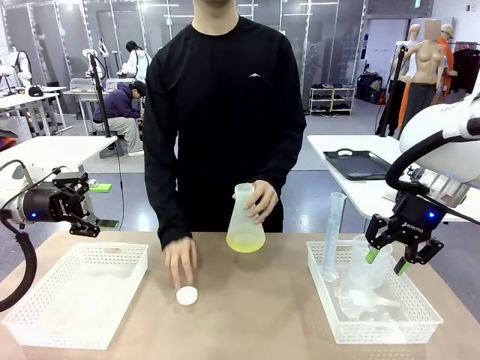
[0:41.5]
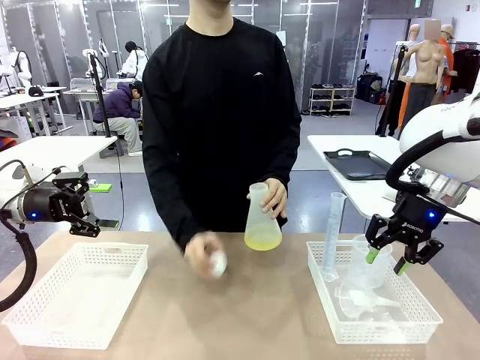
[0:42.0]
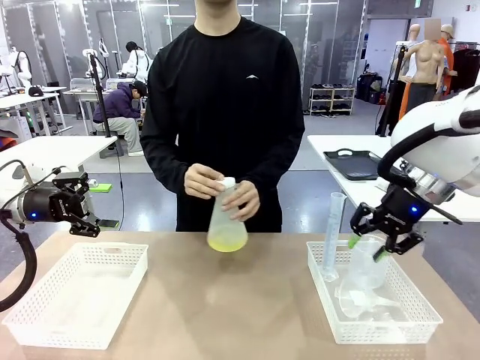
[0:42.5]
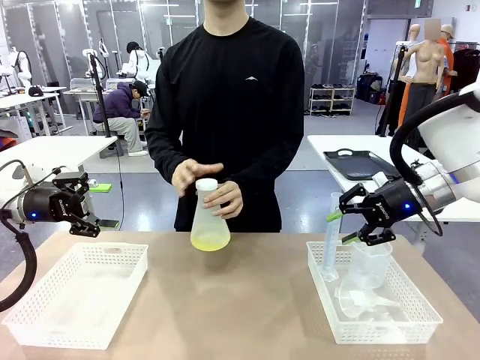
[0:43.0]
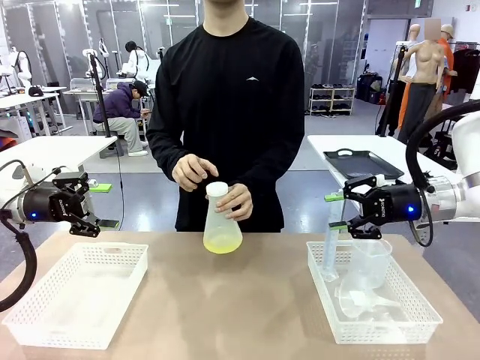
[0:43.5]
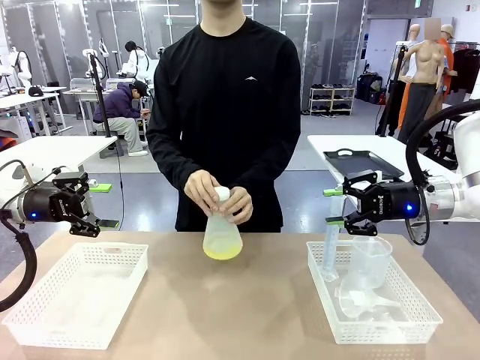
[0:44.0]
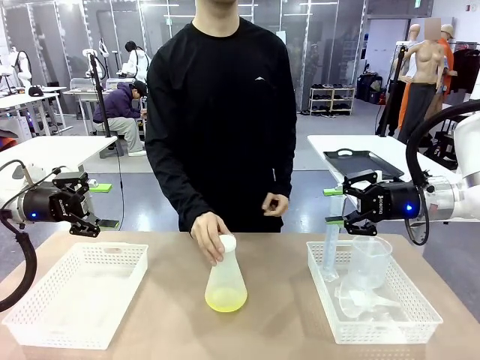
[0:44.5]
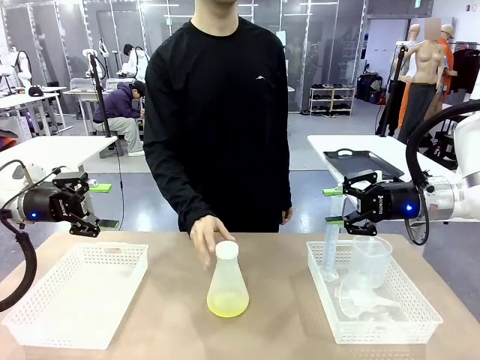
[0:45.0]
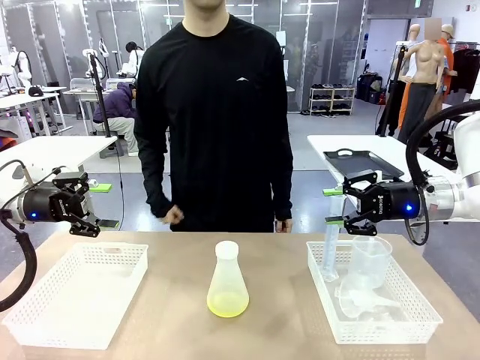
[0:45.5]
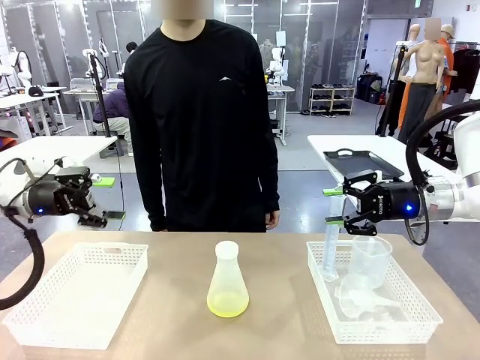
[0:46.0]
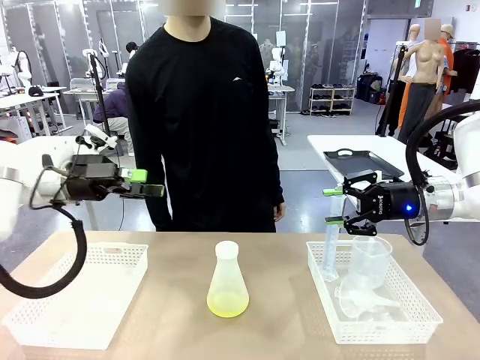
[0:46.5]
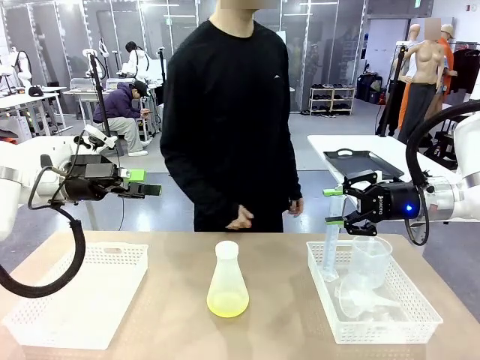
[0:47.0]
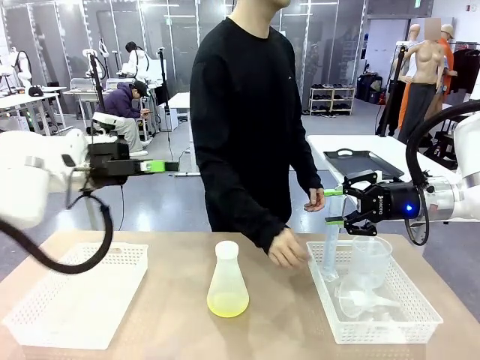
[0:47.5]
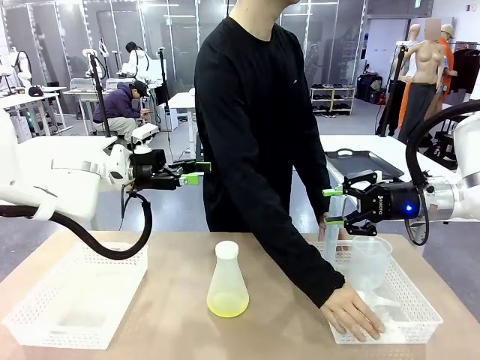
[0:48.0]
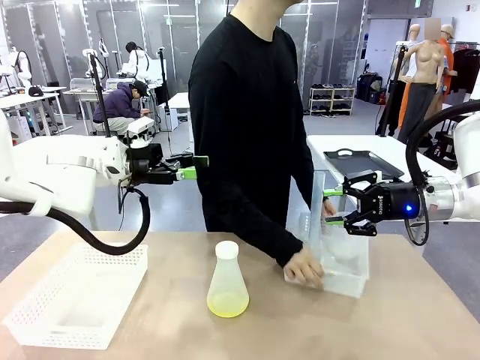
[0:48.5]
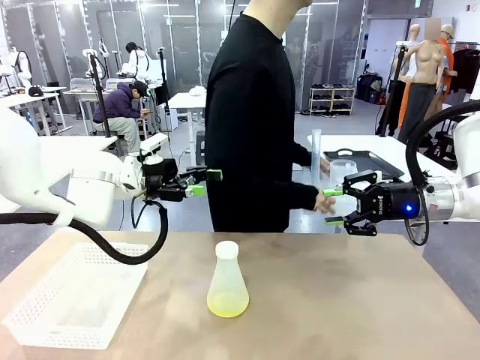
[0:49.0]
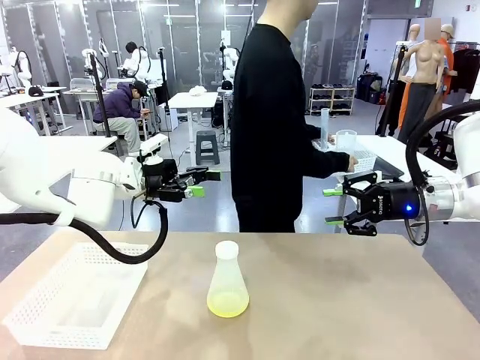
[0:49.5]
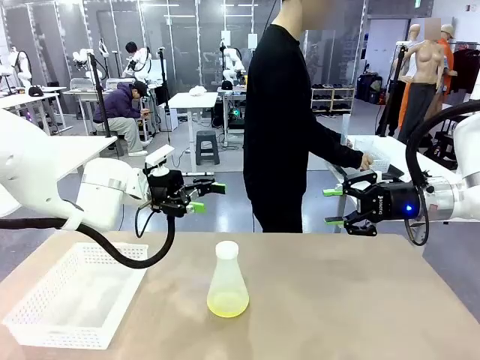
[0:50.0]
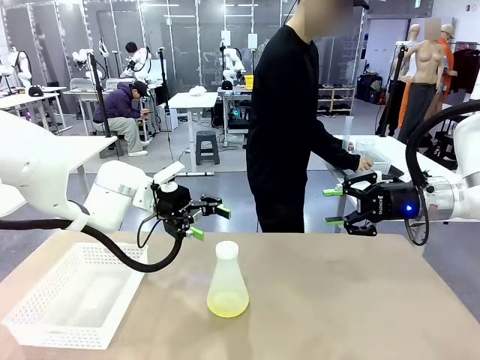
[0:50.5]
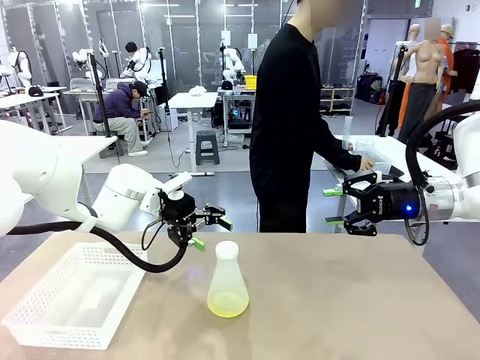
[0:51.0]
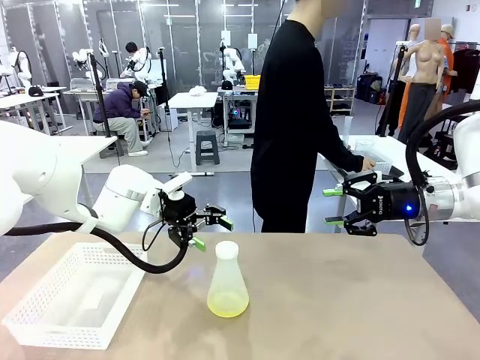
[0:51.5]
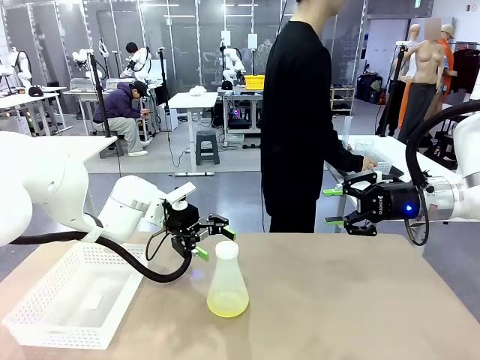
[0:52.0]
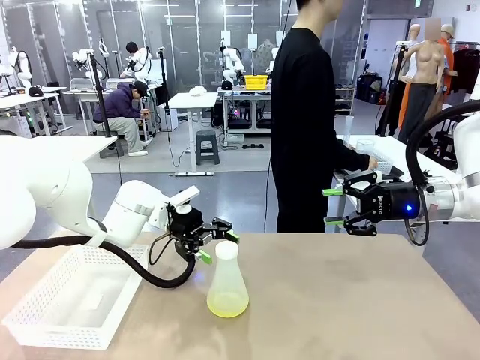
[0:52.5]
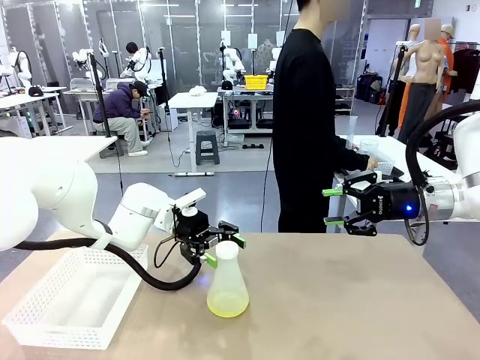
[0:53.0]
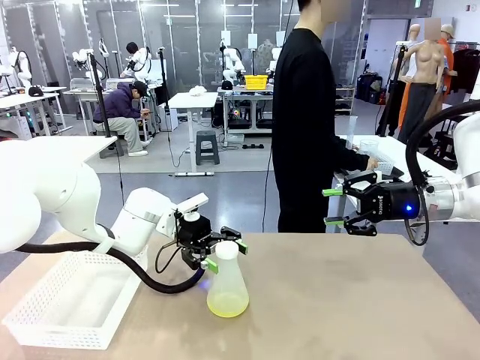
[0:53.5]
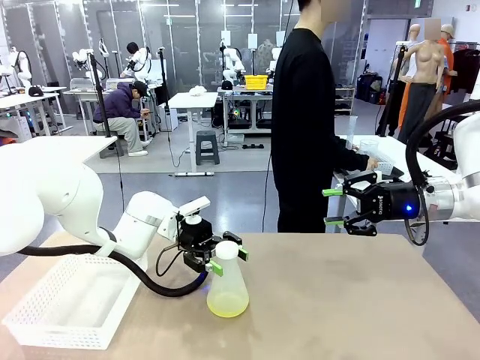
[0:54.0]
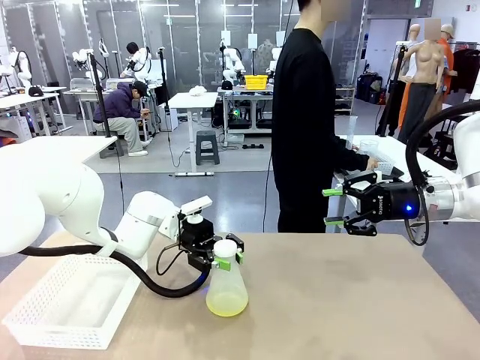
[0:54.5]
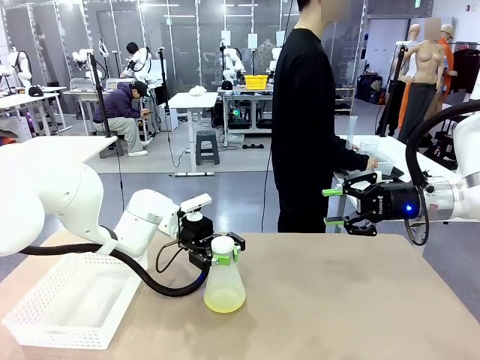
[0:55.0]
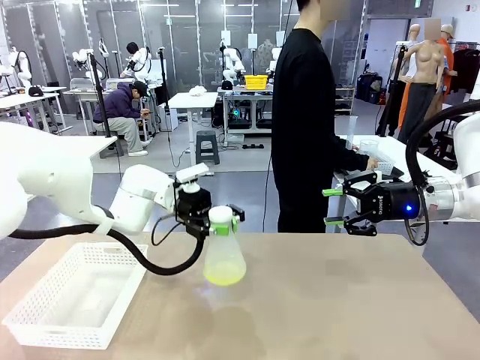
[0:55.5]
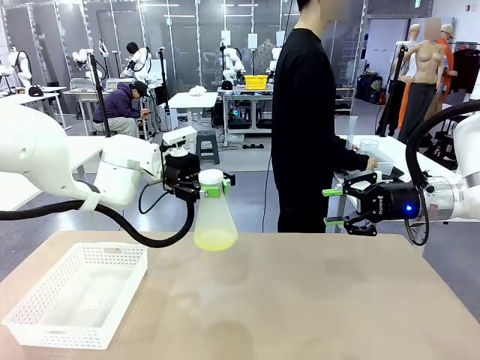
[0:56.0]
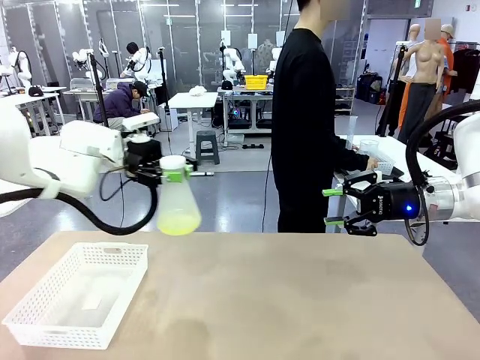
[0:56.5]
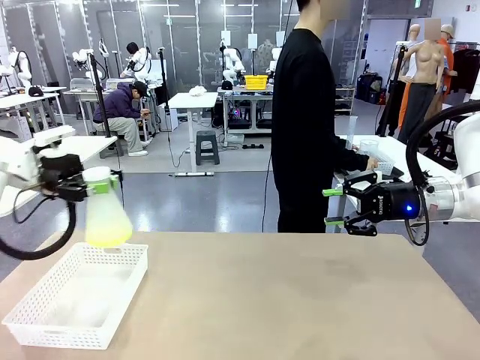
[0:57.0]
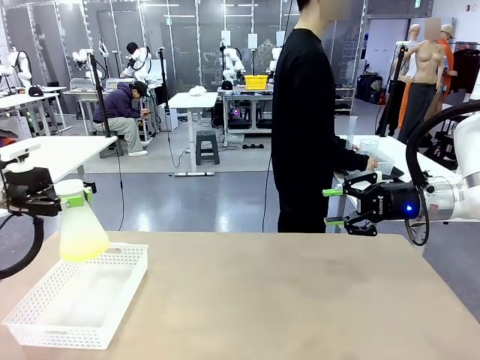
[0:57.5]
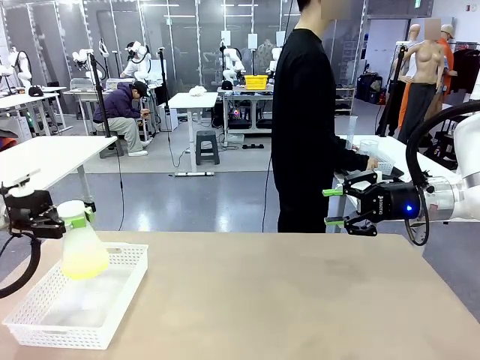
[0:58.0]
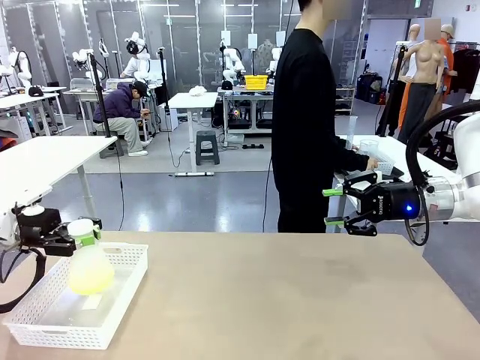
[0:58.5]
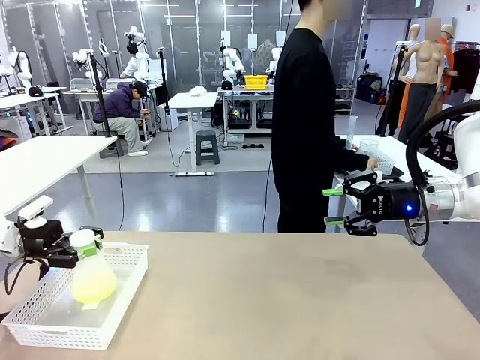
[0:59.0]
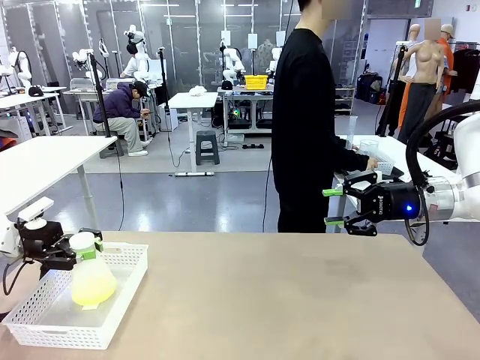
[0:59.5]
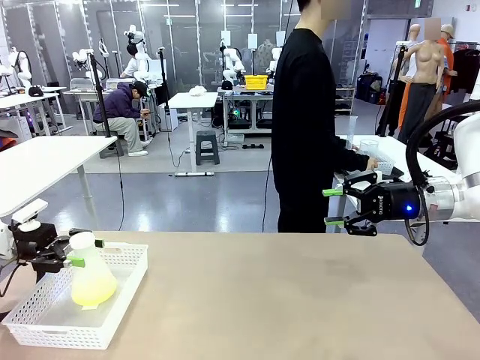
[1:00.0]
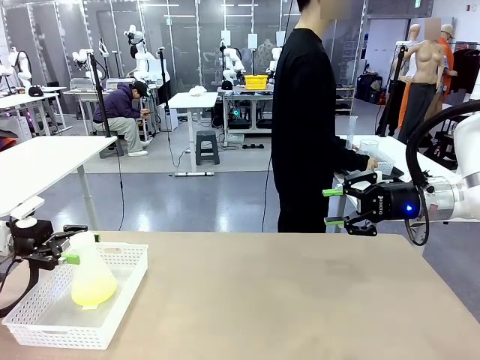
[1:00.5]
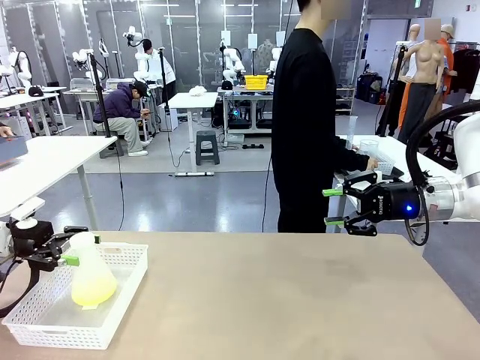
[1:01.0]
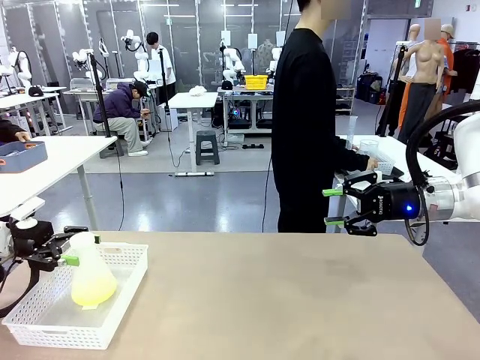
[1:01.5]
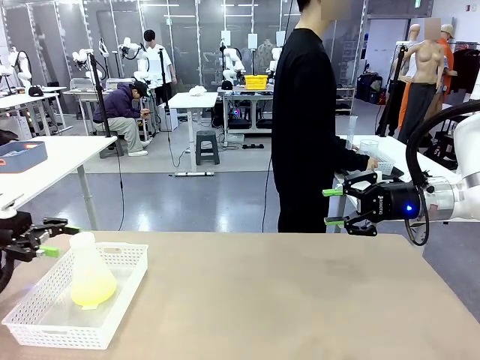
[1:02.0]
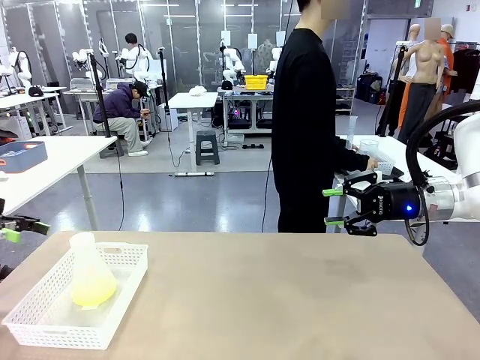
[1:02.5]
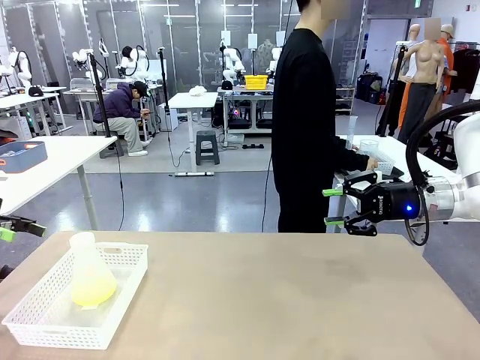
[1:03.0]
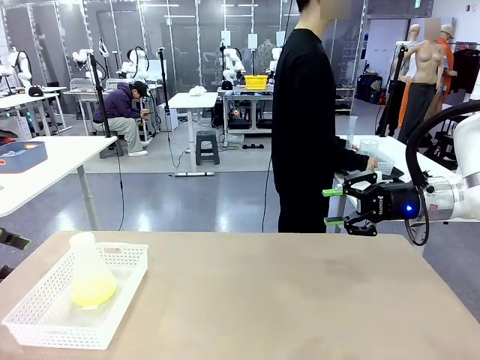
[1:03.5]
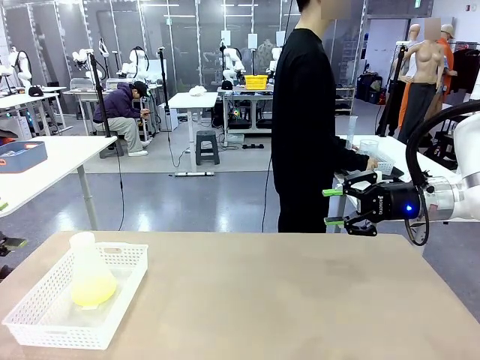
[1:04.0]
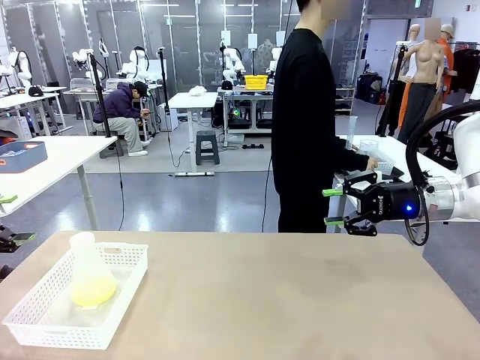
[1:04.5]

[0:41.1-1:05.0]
Task: Prepare the solutions needed for the experiment.
Robot: When the human places the Big flask in the center of the table, pick up the Big flask and place it in the left Organizing basket.
Person: Pick up the organizing basket on the left side of the robot table and place it on the left side of the human table.

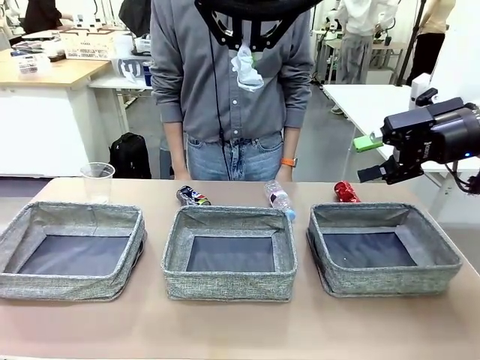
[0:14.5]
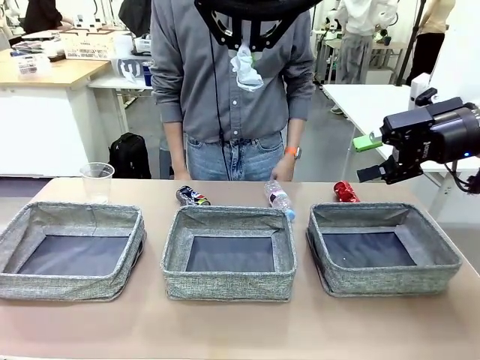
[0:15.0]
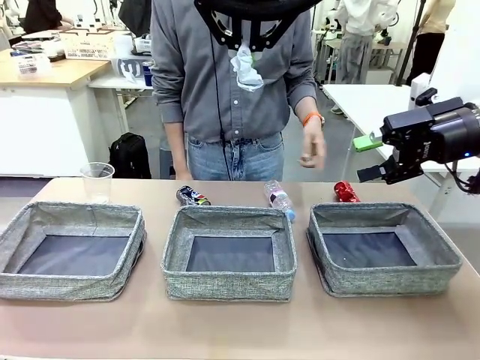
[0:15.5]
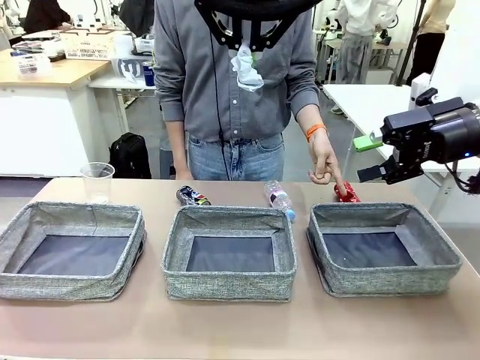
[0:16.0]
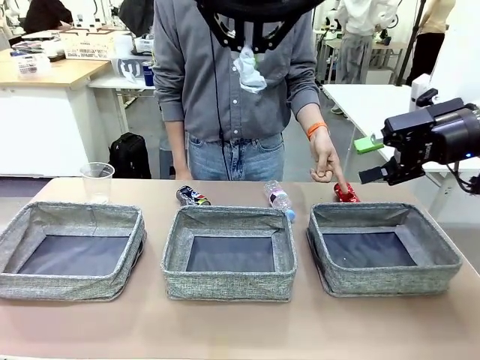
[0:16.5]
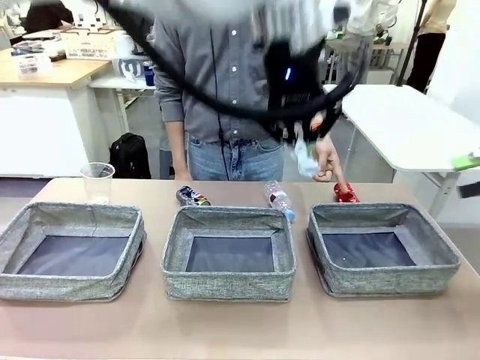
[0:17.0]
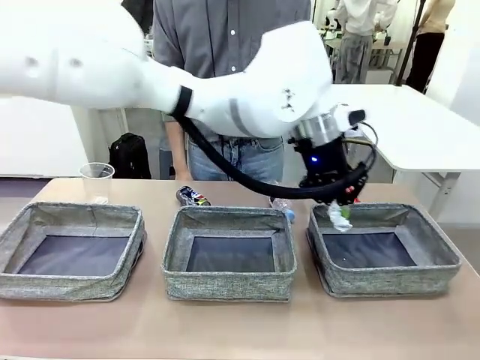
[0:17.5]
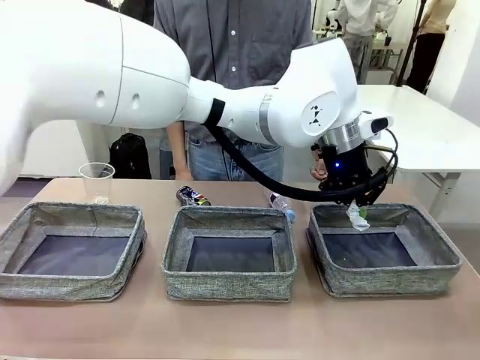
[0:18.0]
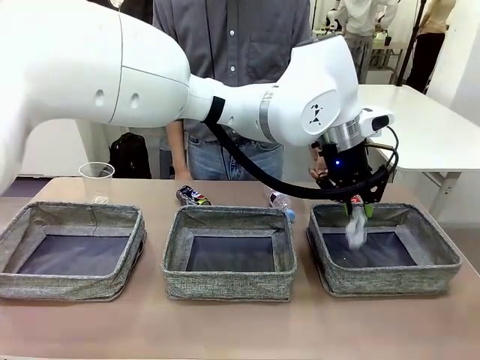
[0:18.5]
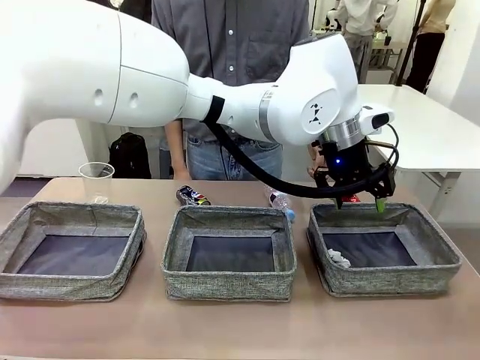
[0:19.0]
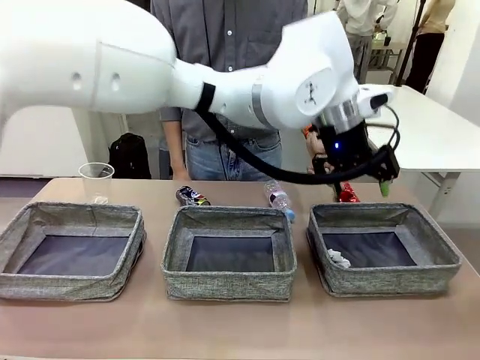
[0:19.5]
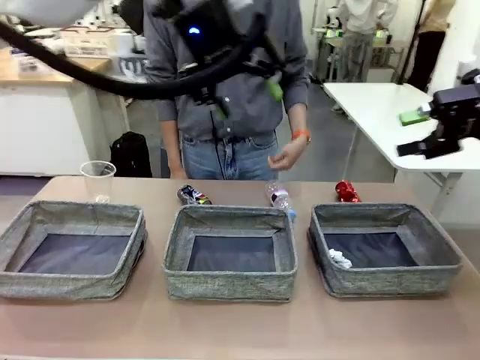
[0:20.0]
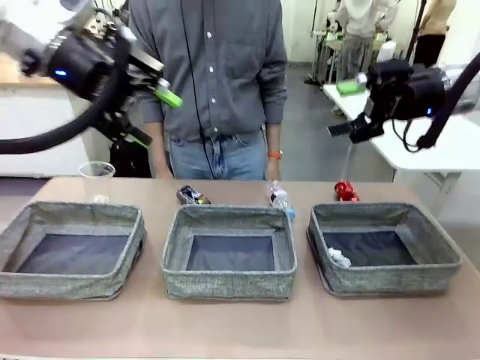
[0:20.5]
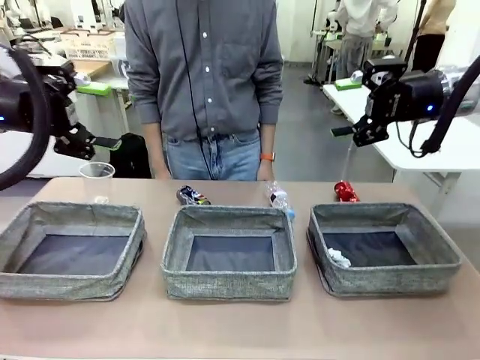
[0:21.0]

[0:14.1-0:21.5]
Task: Sort the waste into the appropriate baskets.
Robot: Place the picked waste into the Fabric basket indicated by the person.
Person: Instructs the robot to place the picked-up trash into the appropriate organizing basket.
